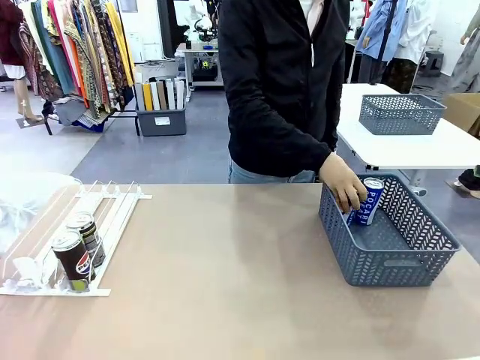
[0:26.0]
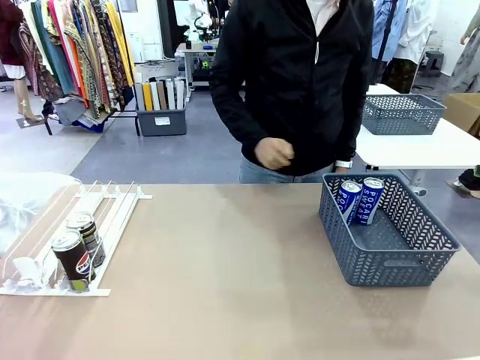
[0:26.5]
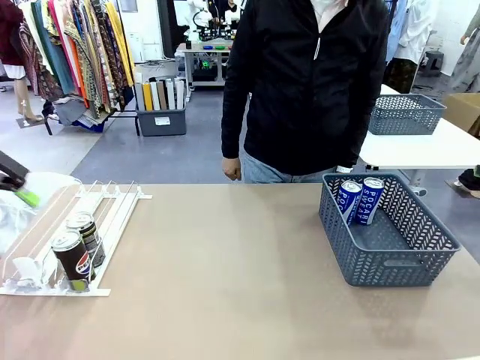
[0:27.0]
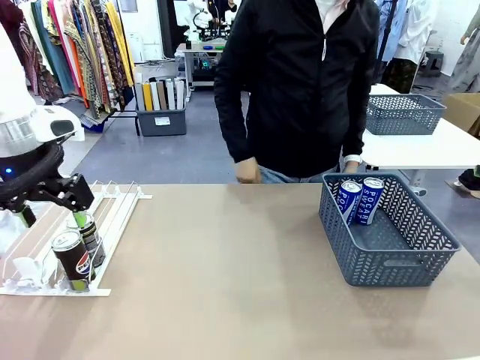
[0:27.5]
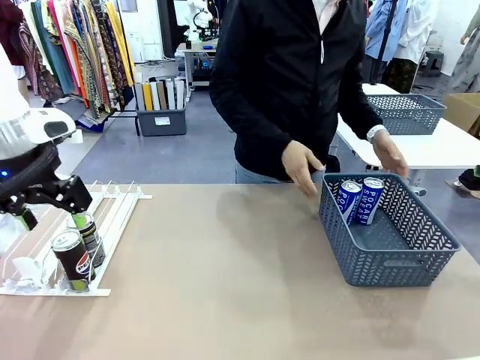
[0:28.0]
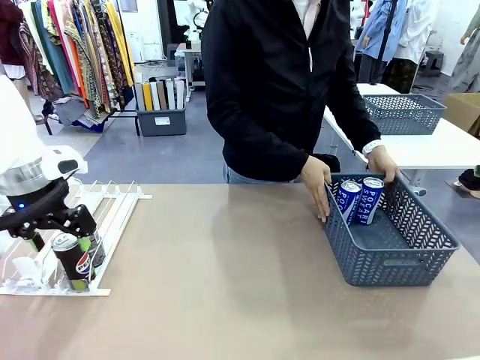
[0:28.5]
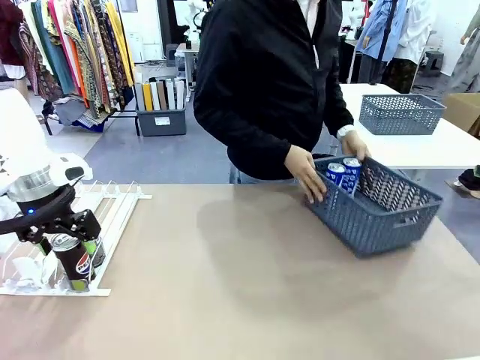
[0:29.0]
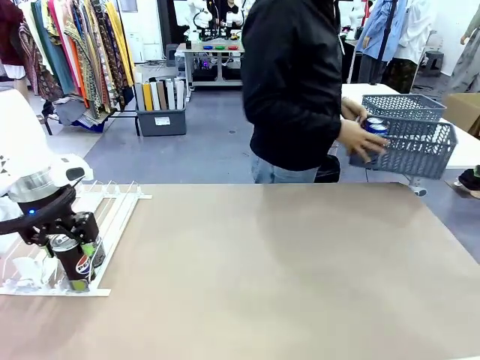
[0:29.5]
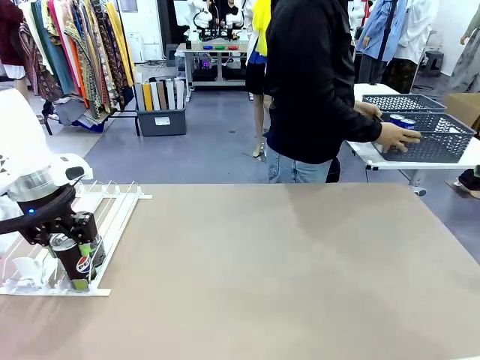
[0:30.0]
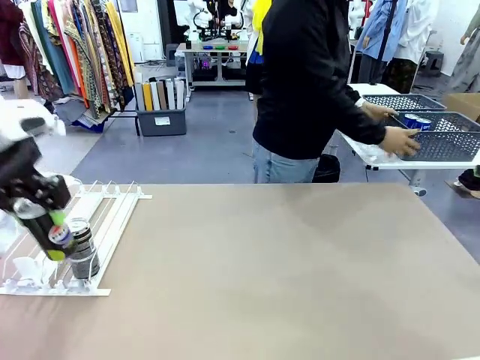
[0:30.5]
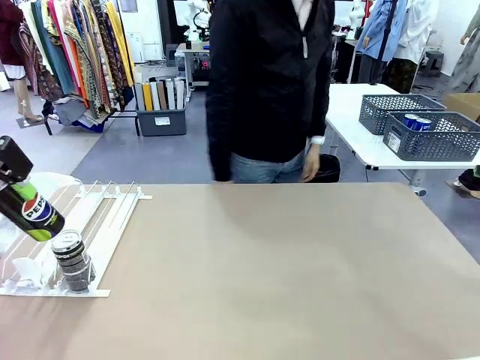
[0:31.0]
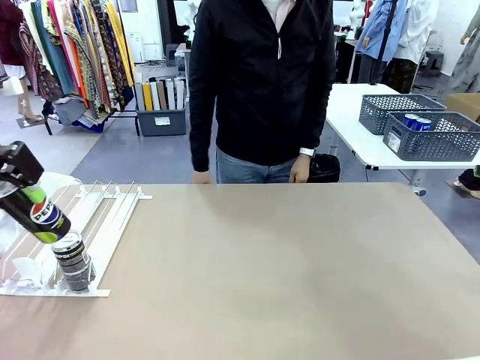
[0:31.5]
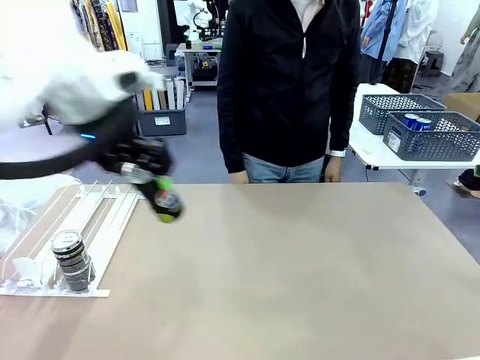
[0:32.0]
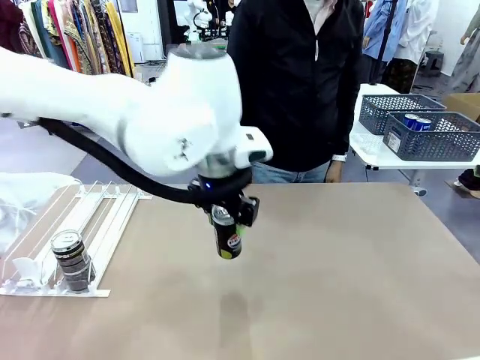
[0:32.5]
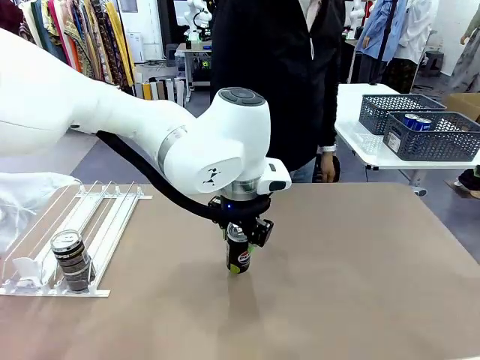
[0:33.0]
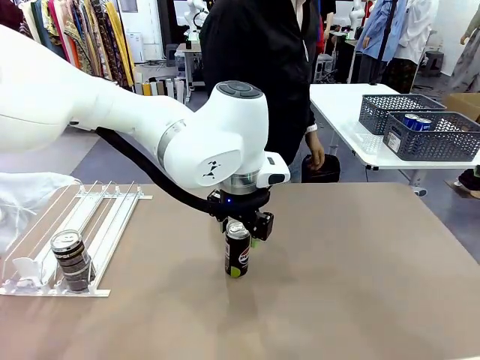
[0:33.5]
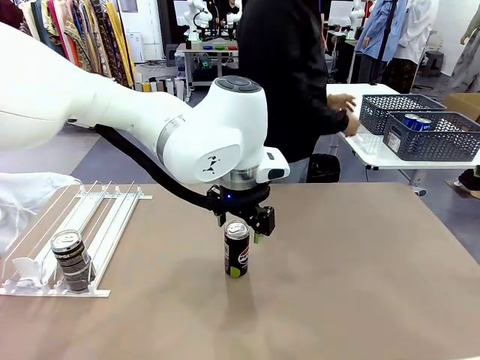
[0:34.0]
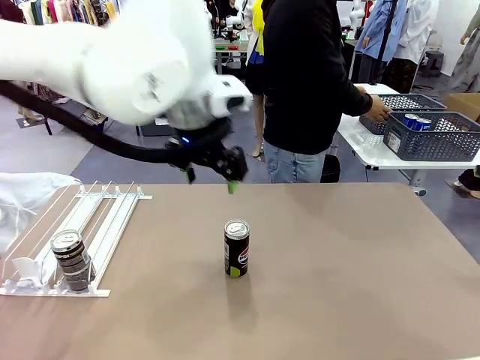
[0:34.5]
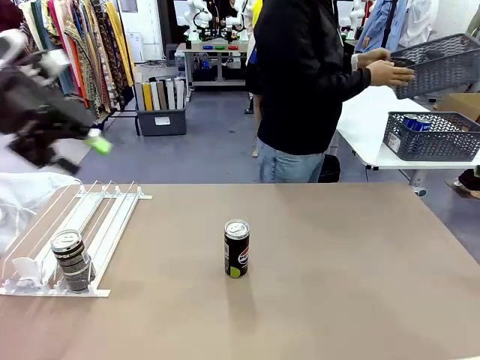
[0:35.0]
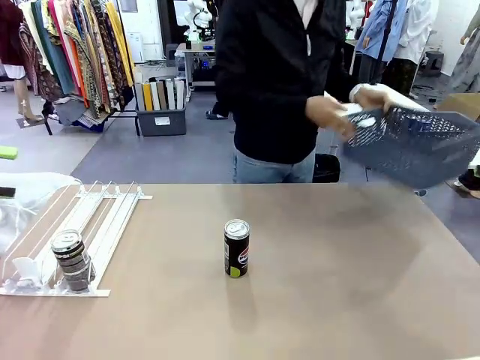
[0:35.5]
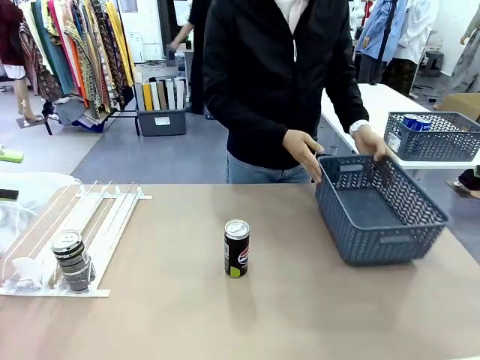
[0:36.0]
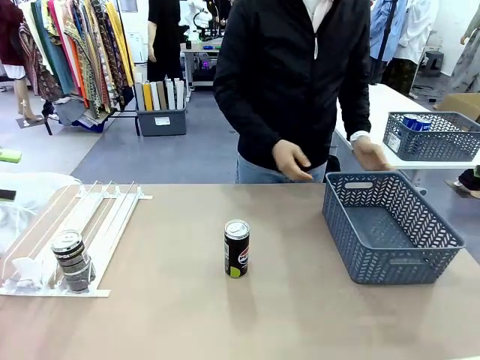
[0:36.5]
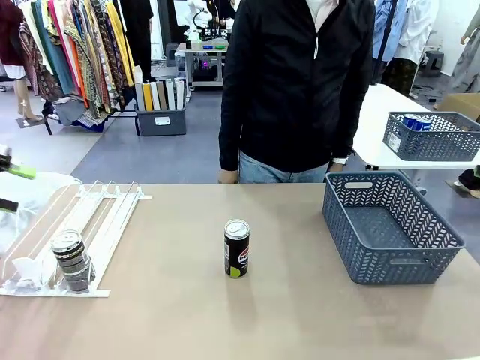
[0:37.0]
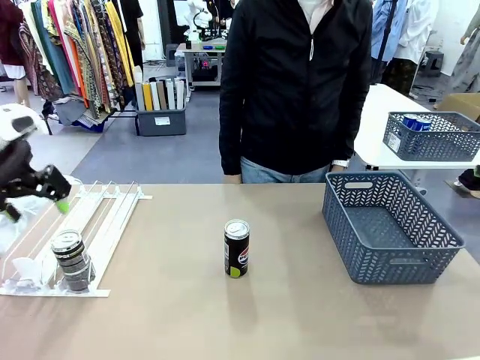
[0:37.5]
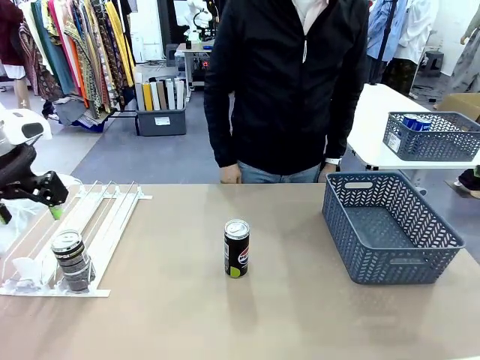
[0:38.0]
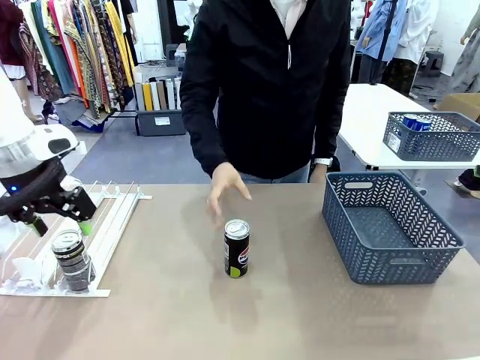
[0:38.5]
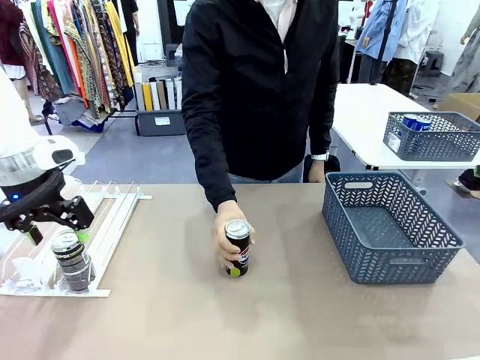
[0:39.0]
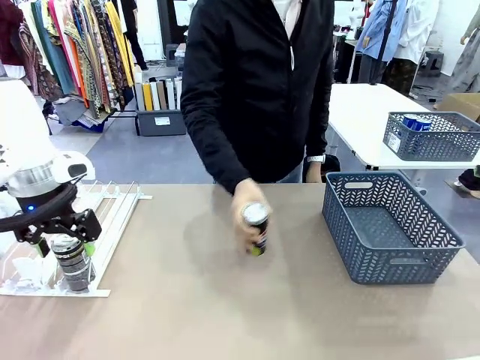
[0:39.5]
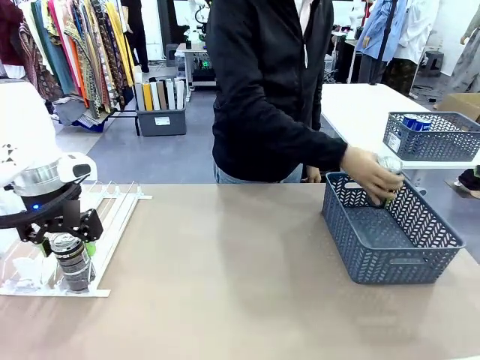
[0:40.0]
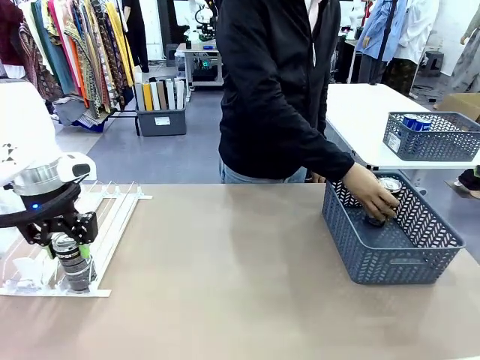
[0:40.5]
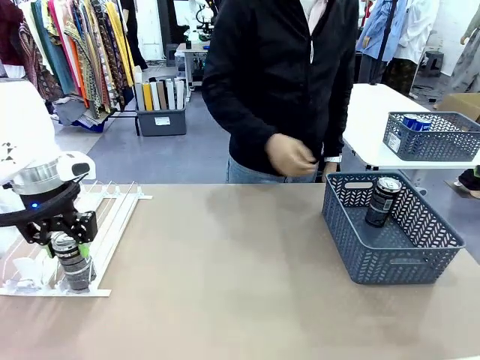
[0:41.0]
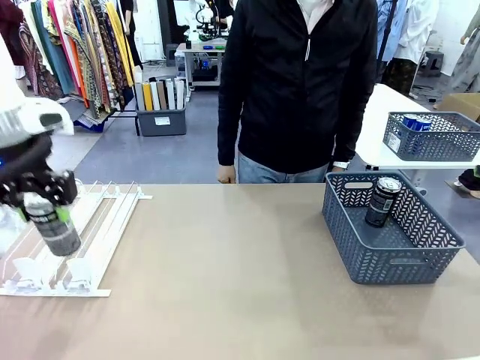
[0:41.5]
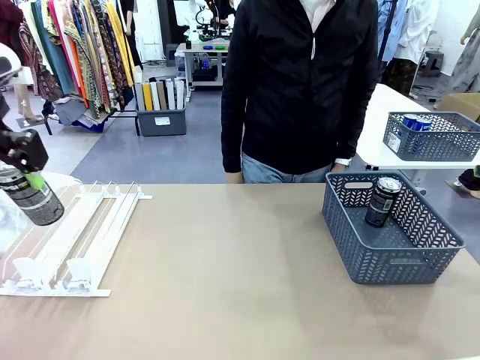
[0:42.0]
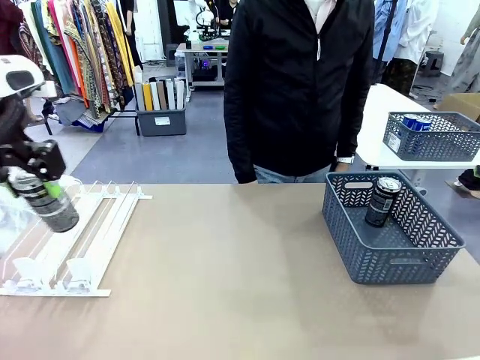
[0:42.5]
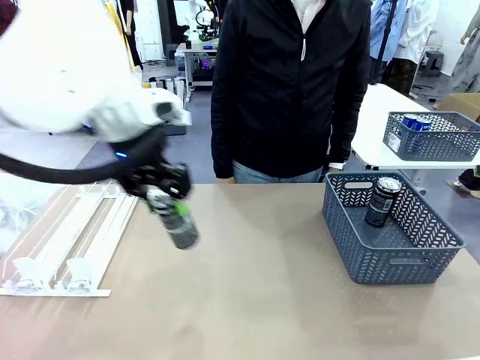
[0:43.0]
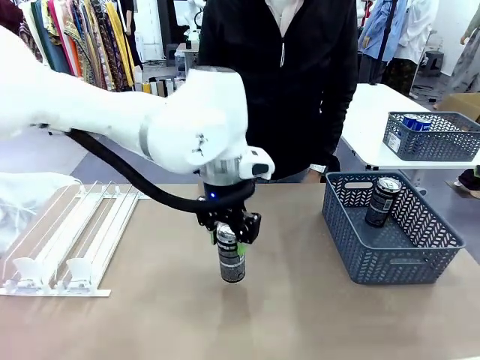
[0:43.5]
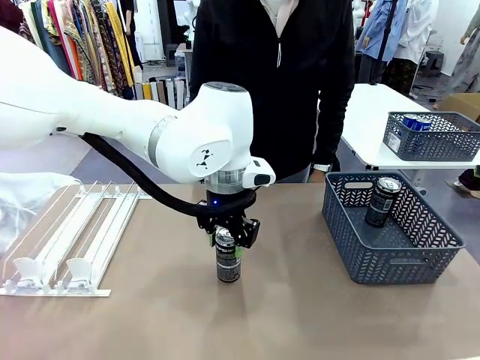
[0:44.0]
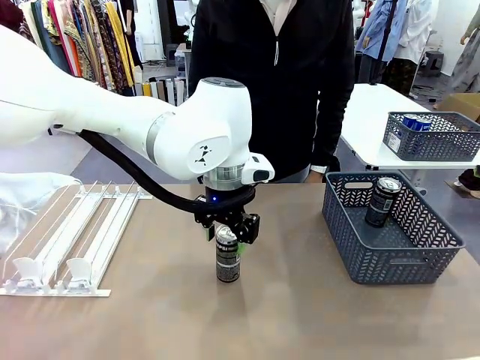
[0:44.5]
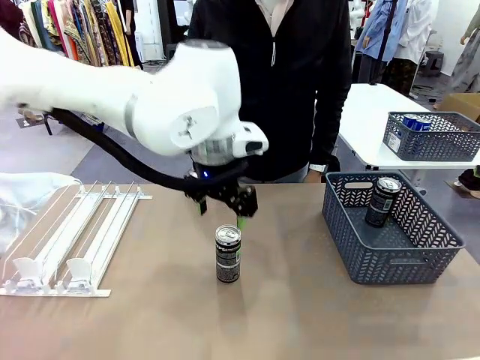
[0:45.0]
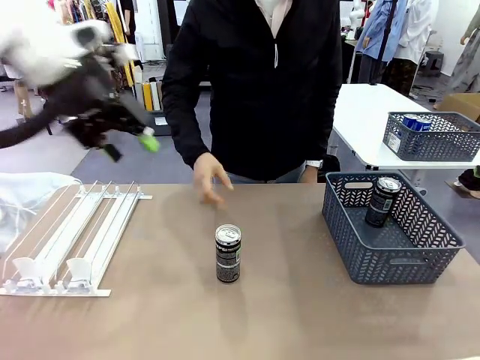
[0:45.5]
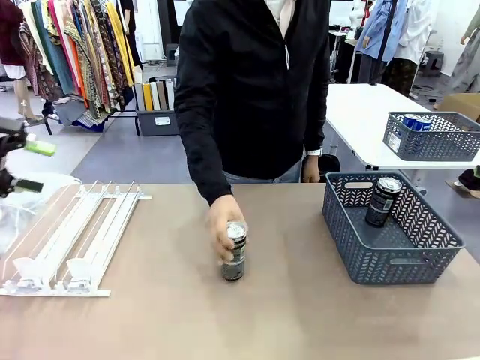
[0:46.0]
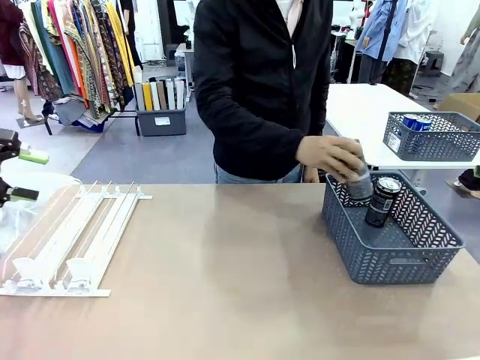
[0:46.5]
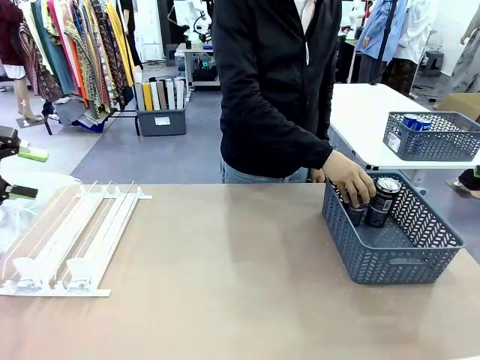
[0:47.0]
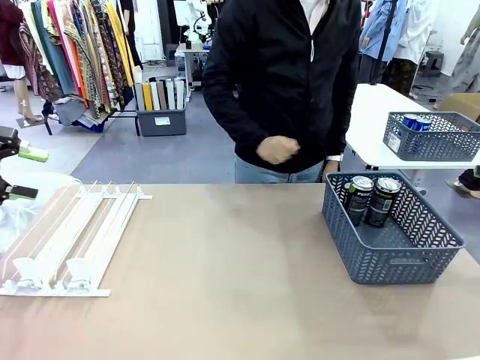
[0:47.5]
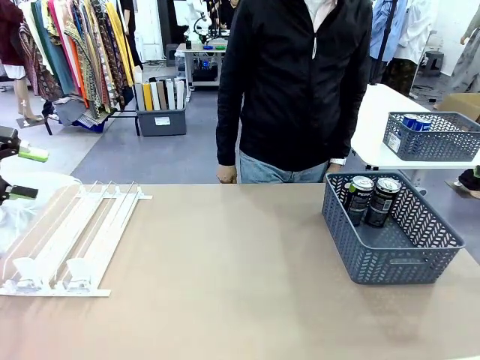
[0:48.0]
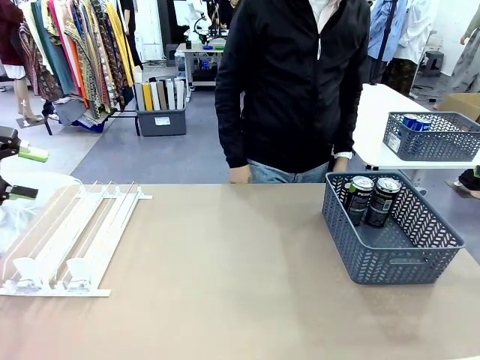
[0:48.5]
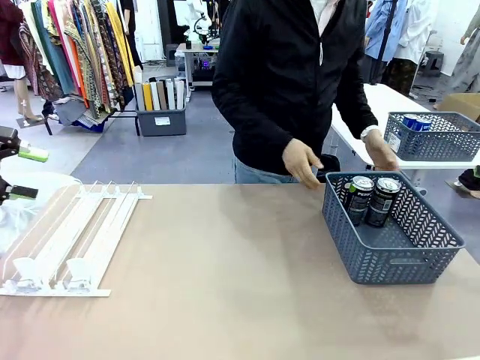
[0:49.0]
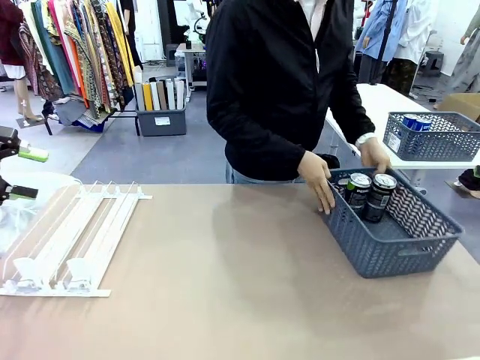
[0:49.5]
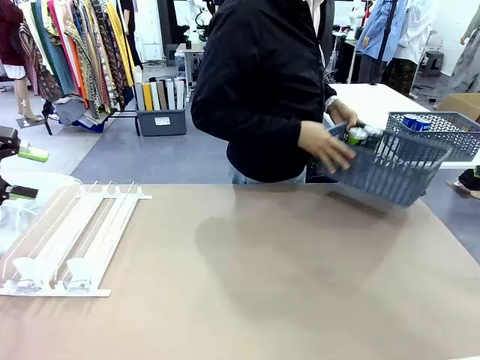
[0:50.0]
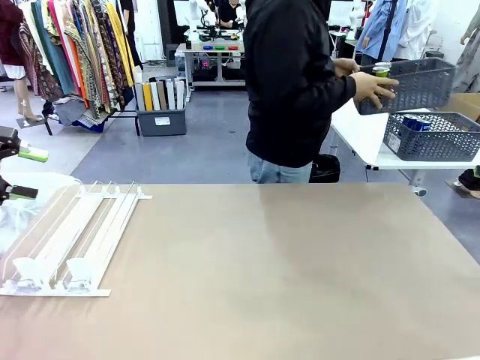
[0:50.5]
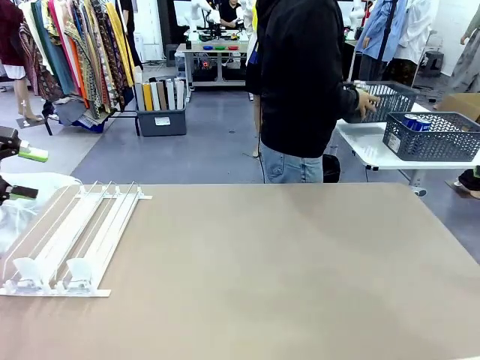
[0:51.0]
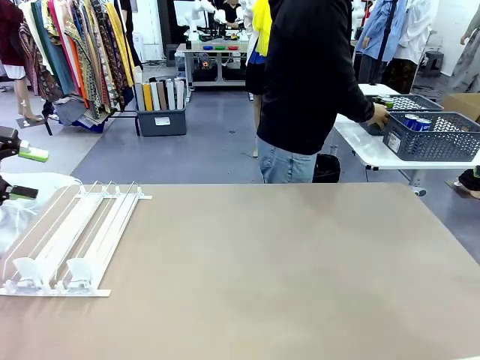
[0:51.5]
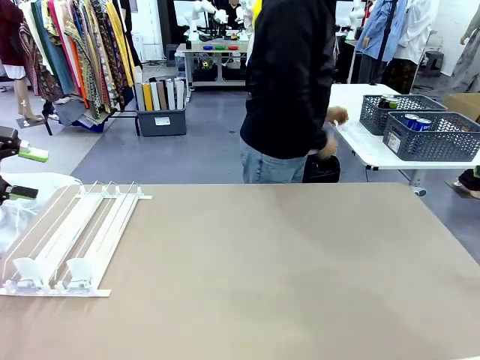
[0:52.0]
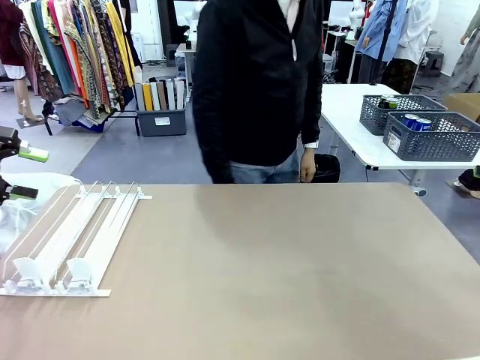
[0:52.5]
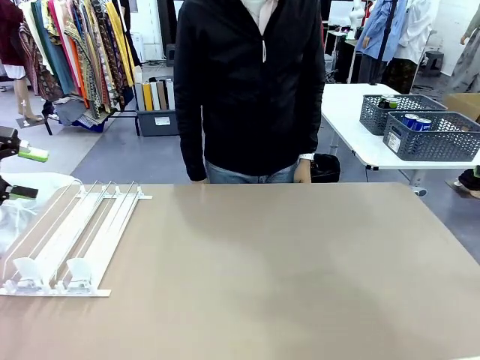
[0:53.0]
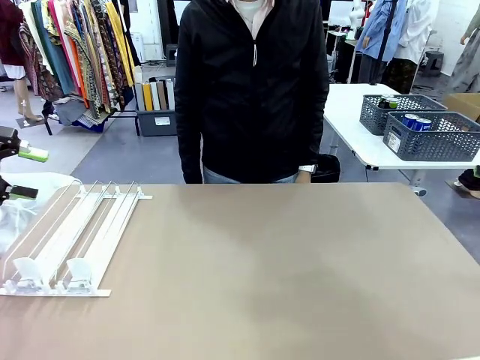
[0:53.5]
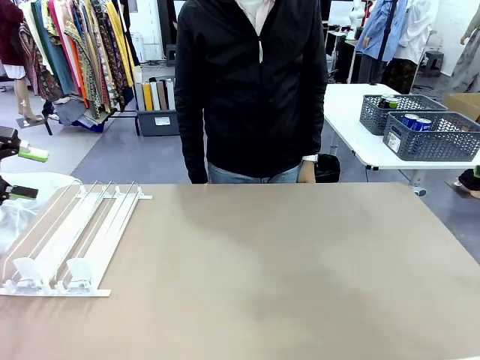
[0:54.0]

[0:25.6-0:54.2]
Task: Retrieve and store the cans from the dispenser.
Robot: Pick up one can from the Automatic Can Dispenser and place it in the middle of the table.
Person: Pick up the basket and place it in the middle of the human table. Pick up the empty basket and place it on the left side of the robot table. Pick up one sports drink can from the middle of the robot table and place it in the basket. Pick up the basket and place it in the middle of the human table.
